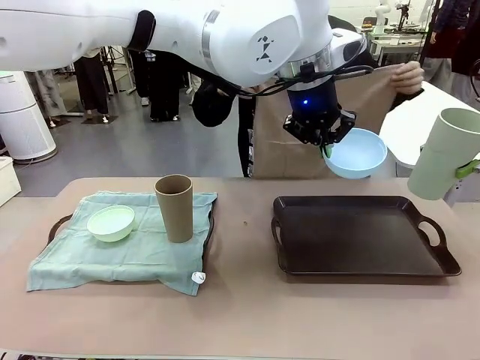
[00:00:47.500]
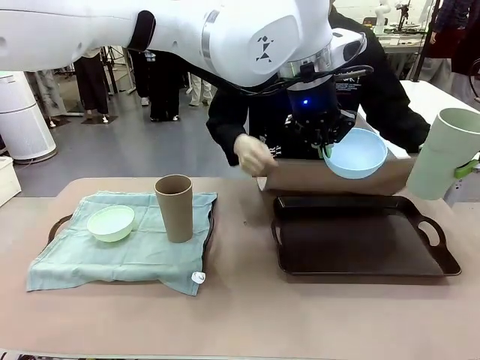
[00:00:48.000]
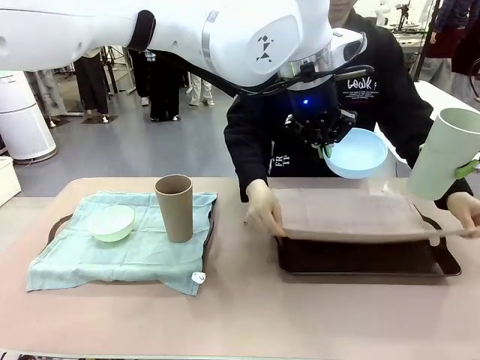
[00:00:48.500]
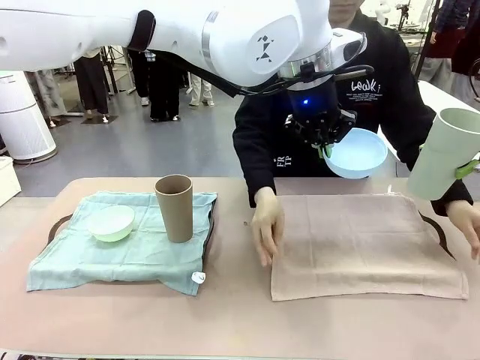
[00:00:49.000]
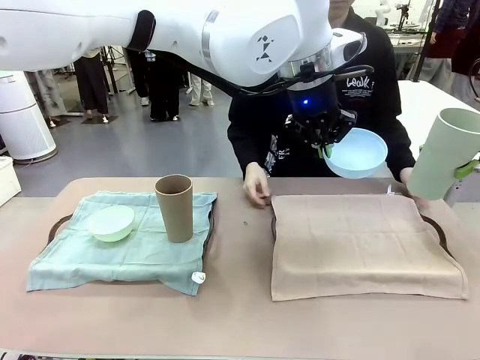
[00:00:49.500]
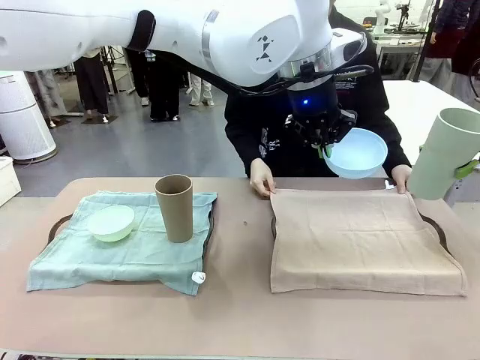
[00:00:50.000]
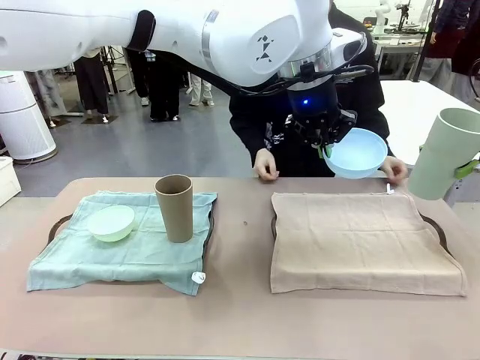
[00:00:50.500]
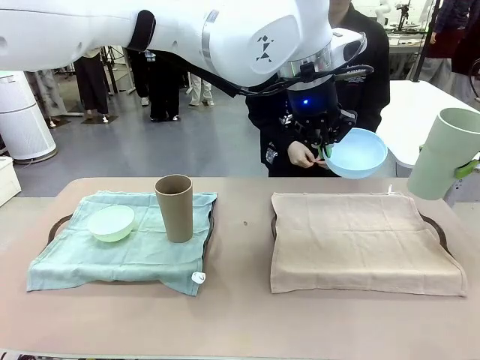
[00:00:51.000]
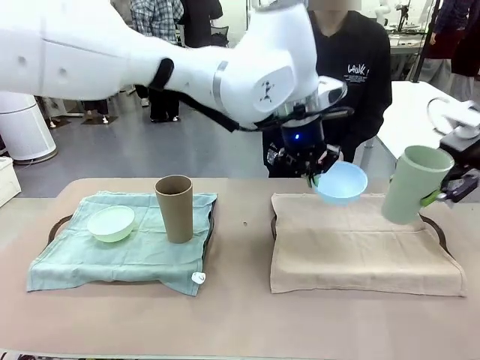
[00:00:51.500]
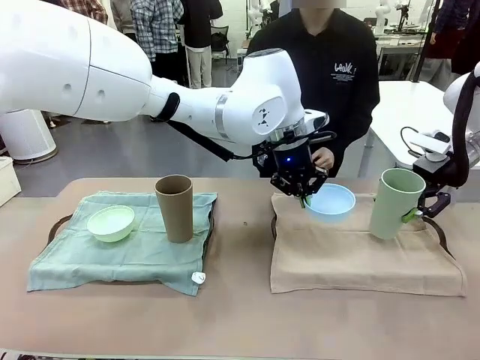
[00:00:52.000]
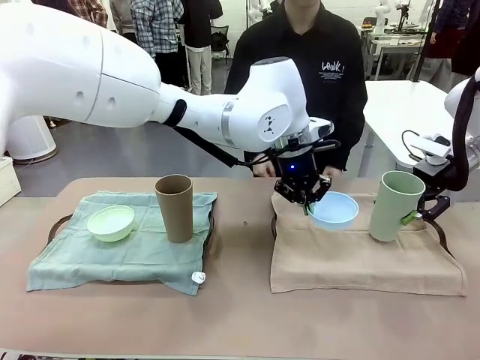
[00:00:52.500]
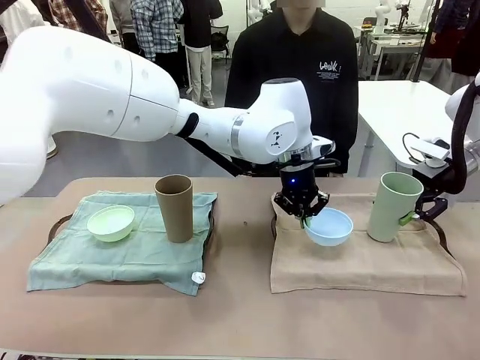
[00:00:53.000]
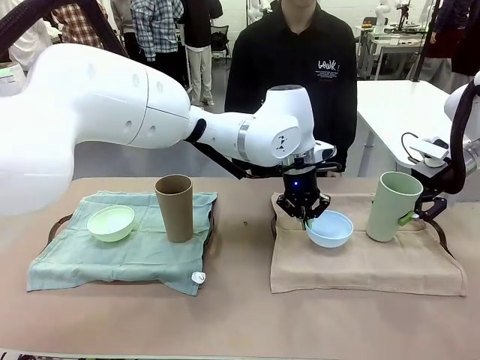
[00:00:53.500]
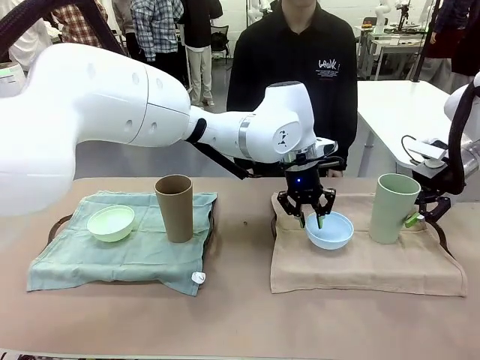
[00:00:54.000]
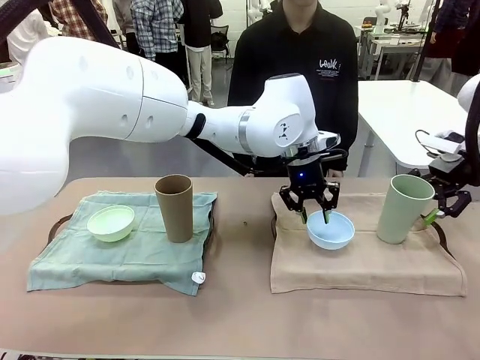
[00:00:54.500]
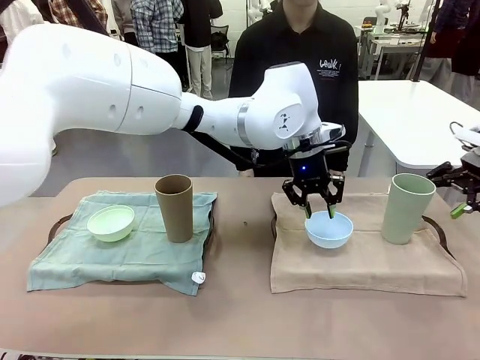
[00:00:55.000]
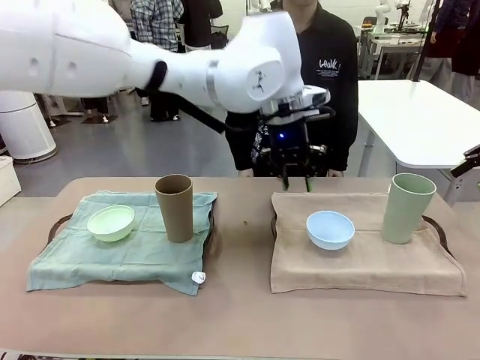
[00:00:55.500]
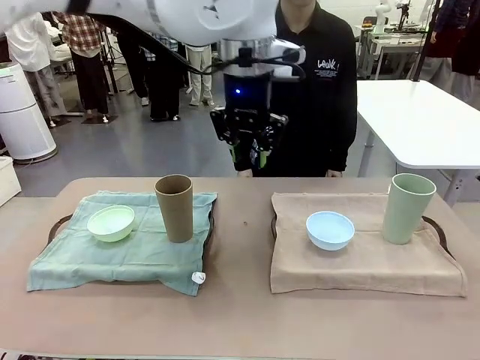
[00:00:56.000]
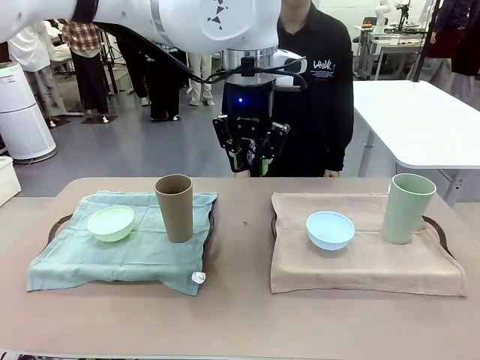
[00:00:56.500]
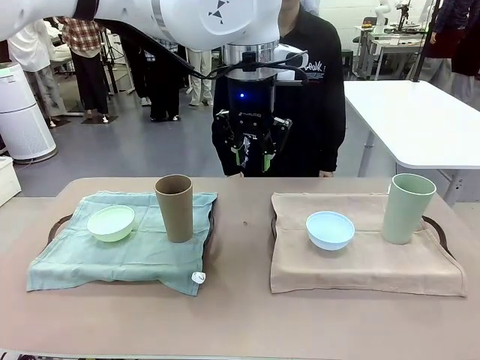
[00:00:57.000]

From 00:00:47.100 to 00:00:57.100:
Robot: Place the Picnic Bowl and Reusable plastic cup back onto the Handle tray in front of the human's position.

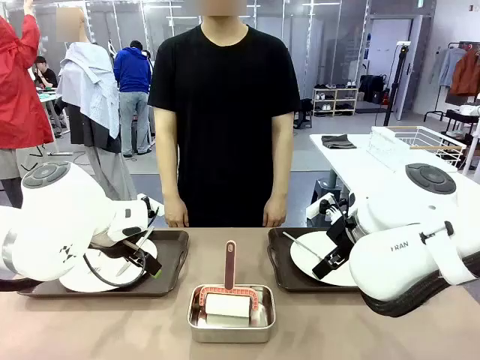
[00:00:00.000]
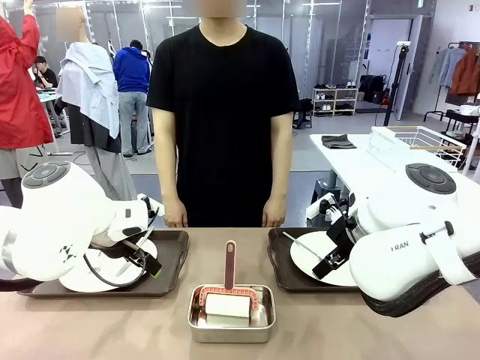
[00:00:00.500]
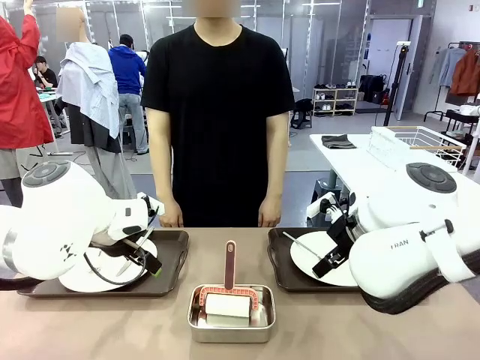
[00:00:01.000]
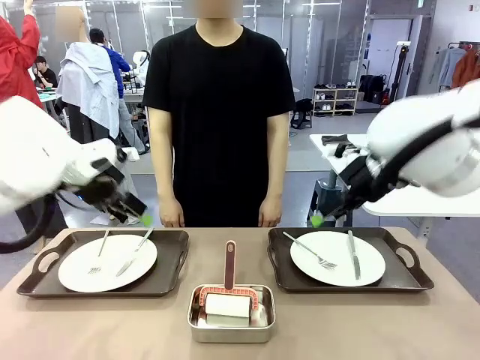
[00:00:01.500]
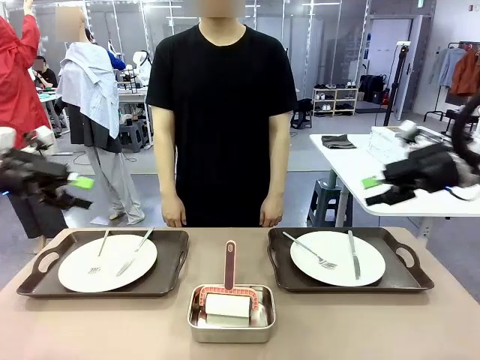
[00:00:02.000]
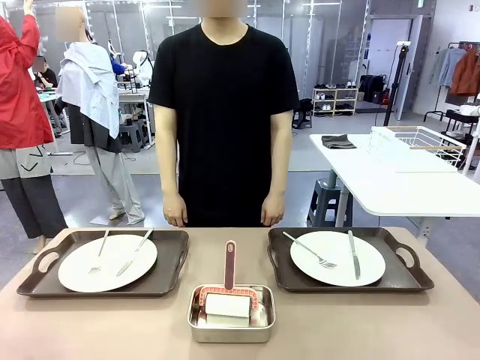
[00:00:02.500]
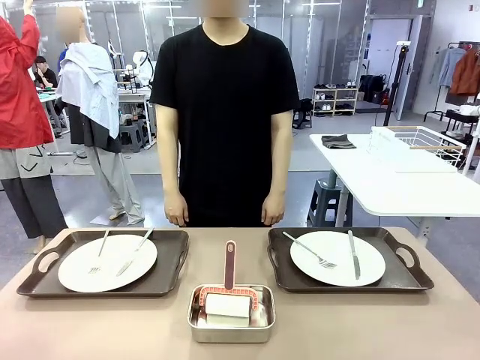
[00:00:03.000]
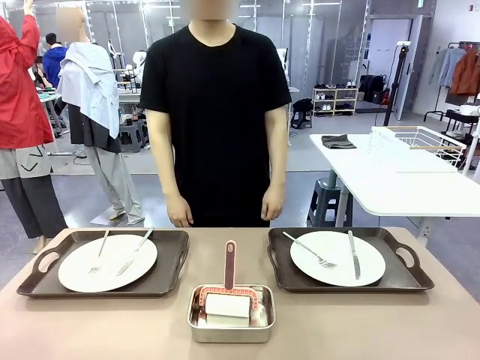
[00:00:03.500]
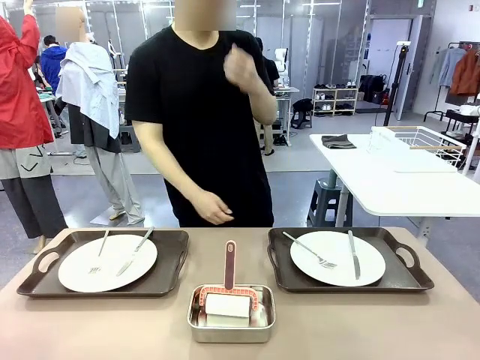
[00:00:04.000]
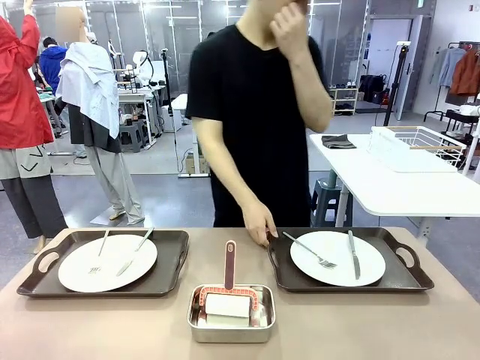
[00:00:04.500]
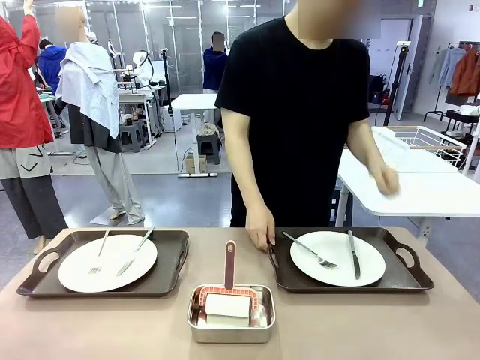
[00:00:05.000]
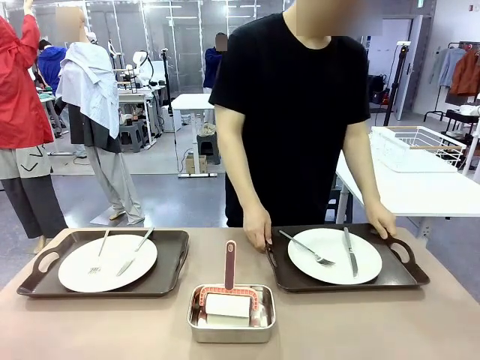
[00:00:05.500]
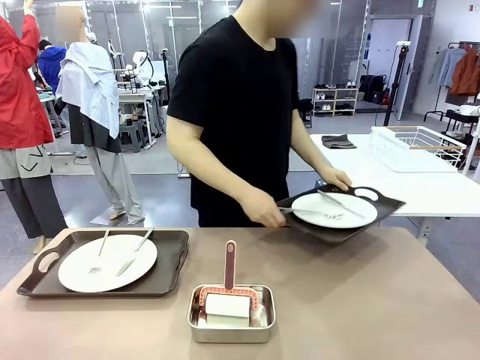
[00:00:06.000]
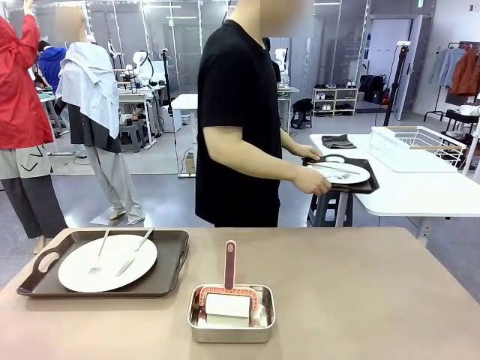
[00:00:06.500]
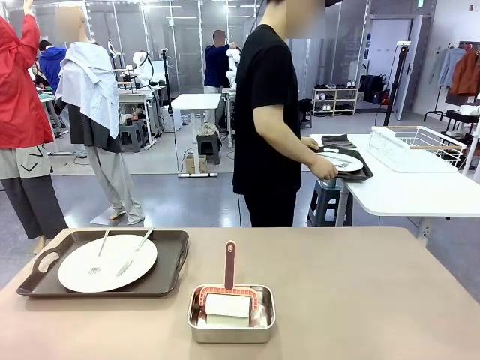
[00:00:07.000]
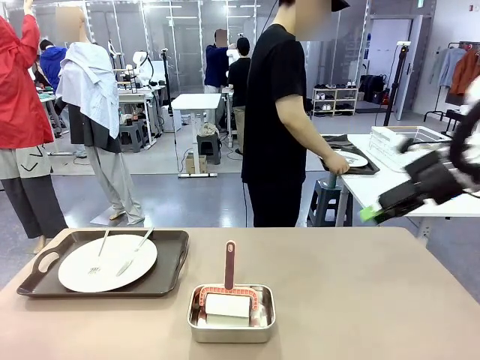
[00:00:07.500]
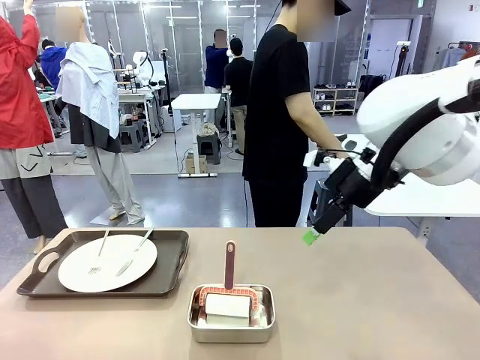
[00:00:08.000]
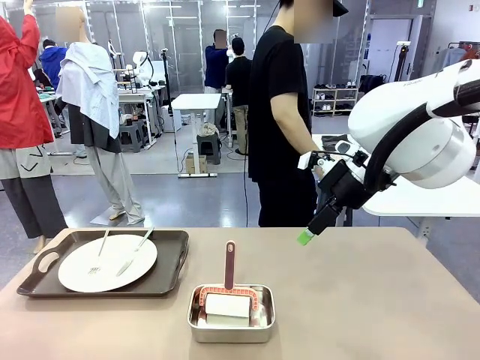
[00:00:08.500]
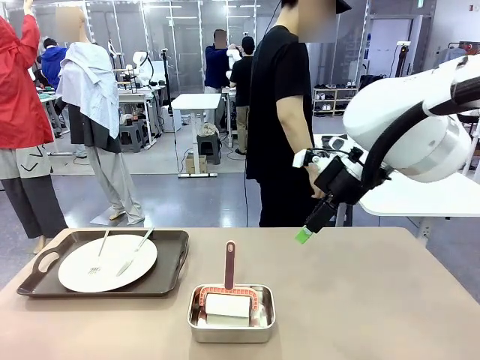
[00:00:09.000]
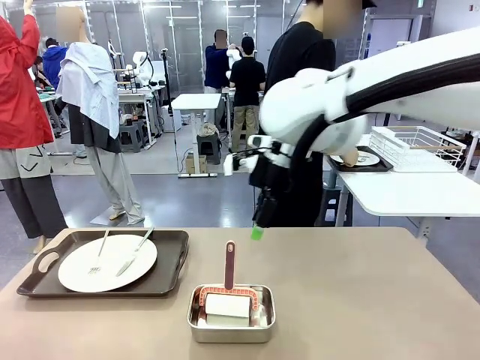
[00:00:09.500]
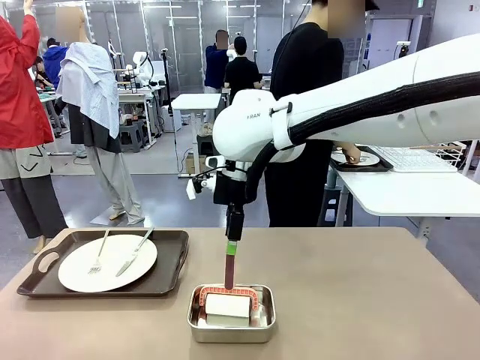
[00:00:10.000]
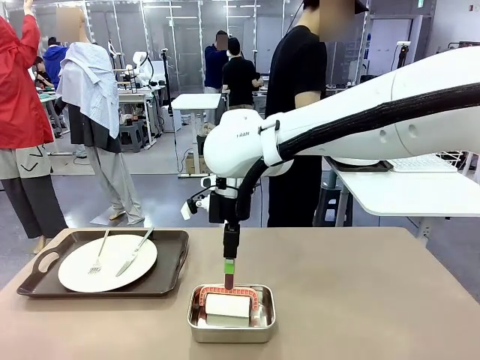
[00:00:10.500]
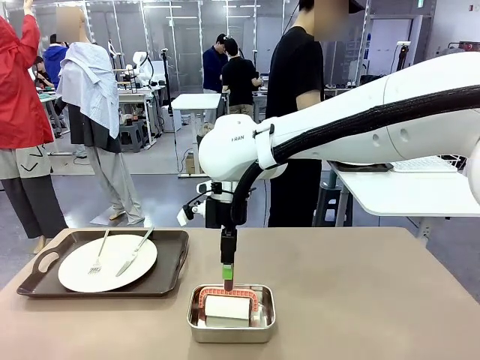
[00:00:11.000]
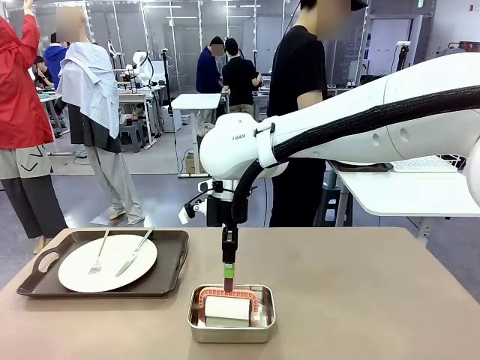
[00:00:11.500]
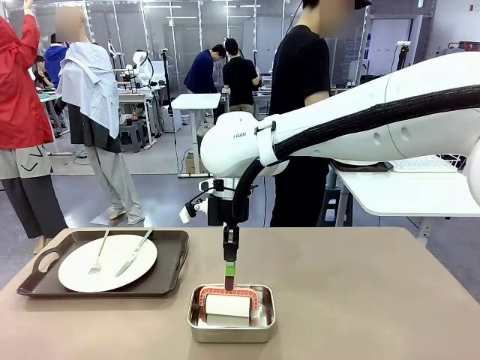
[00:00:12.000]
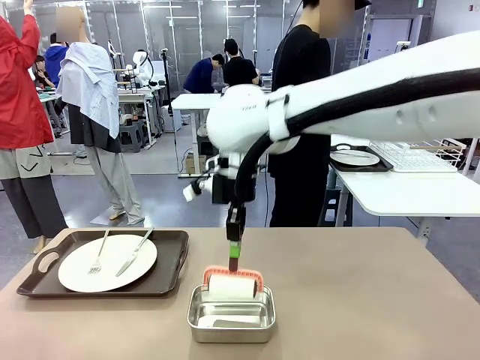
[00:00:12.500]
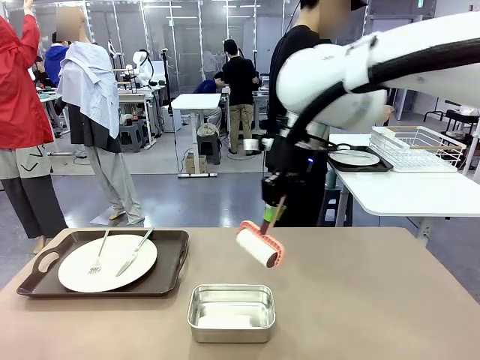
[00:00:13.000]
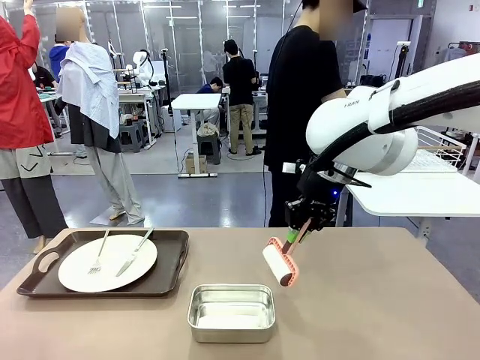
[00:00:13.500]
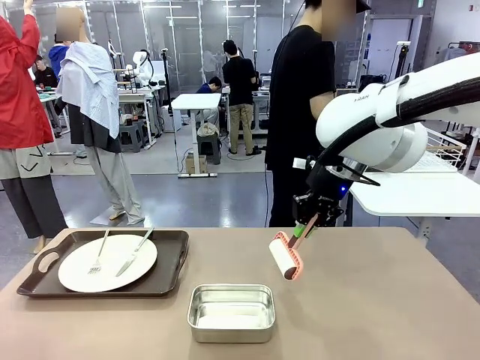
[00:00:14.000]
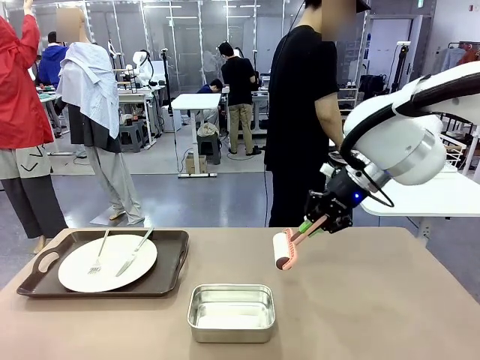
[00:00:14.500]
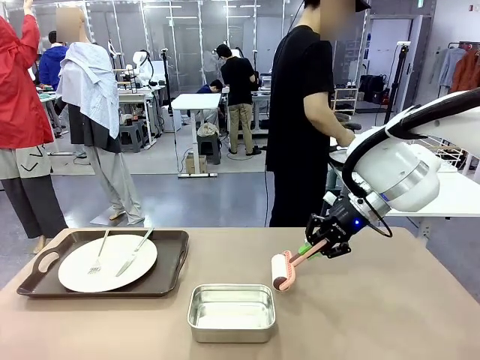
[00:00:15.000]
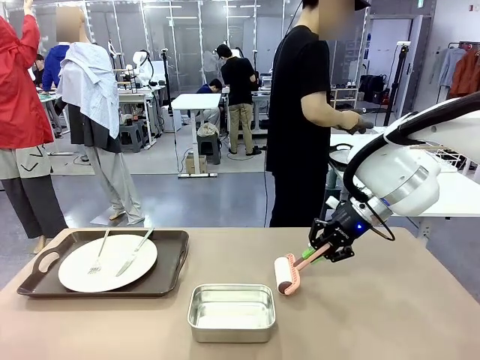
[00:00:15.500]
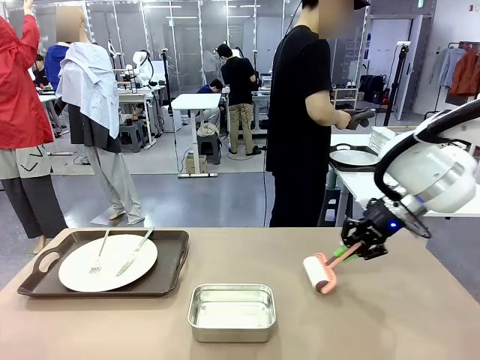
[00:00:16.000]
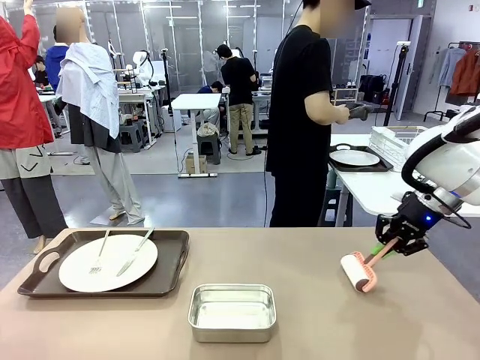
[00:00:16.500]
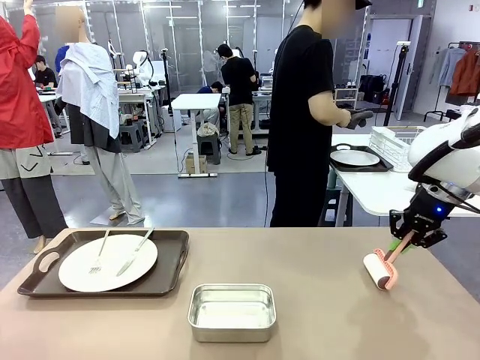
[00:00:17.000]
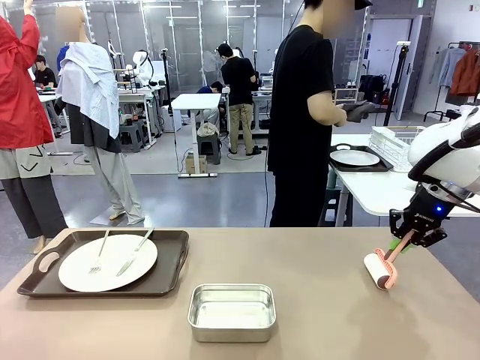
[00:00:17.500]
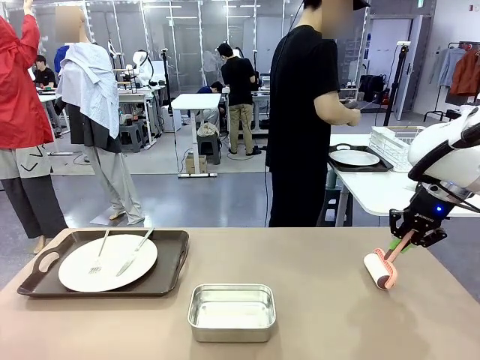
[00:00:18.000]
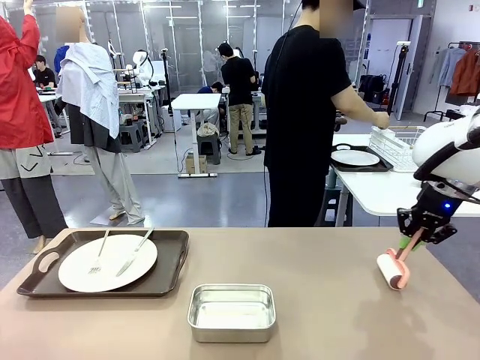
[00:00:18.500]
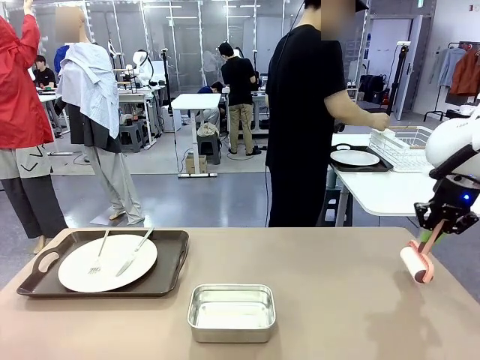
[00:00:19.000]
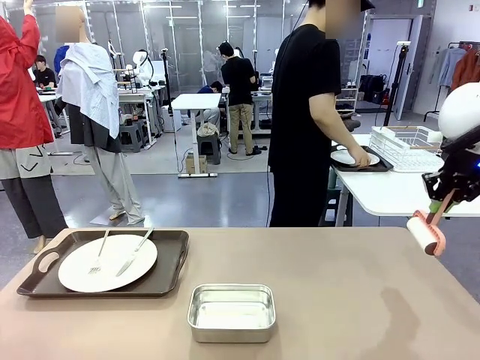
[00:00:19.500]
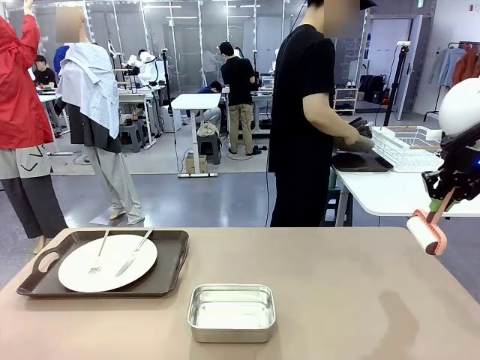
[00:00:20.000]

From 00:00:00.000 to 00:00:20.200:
Robot: When the left (or right) Handle tray is removed, use the left hand (or right hand) to clean the left (or right) side of the table with the Lint Roller.
Person: Pick up the left (or right) Handle tray and place it on the middle of the Human's table. Use the Towel with hook to wipe the Plastic Matte Plate , Fork , and Knife and place into the Dish drying rack.
